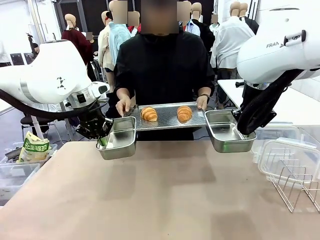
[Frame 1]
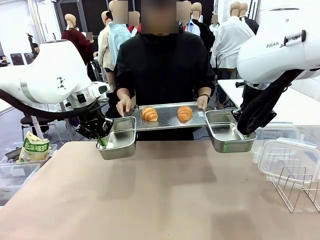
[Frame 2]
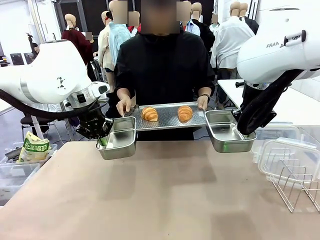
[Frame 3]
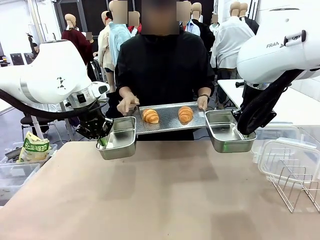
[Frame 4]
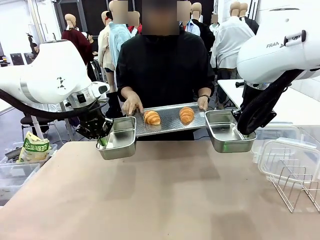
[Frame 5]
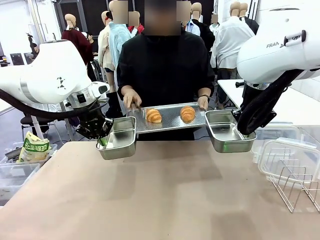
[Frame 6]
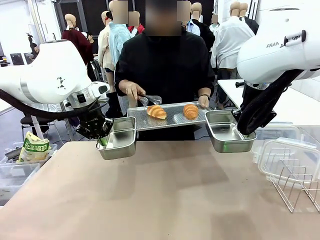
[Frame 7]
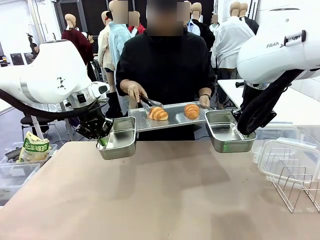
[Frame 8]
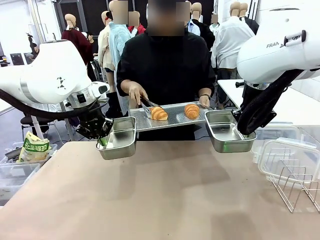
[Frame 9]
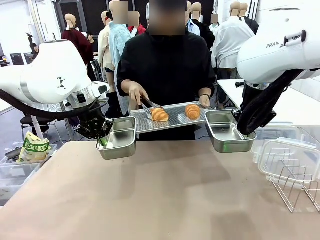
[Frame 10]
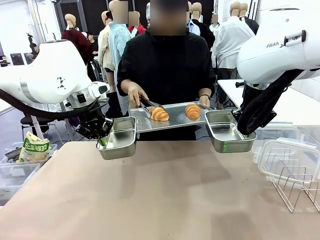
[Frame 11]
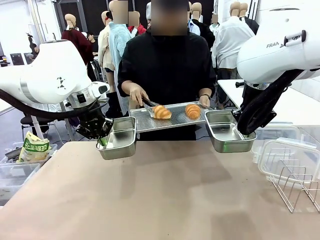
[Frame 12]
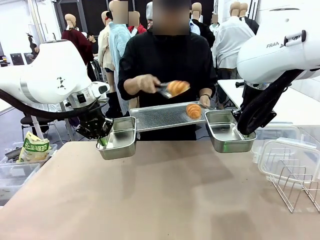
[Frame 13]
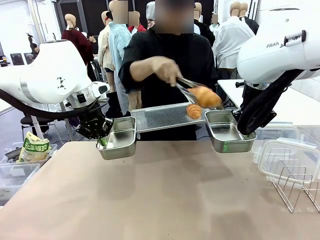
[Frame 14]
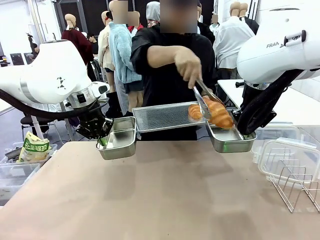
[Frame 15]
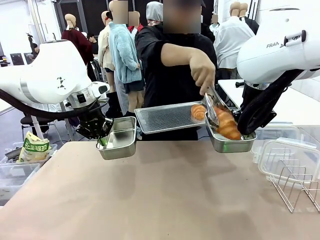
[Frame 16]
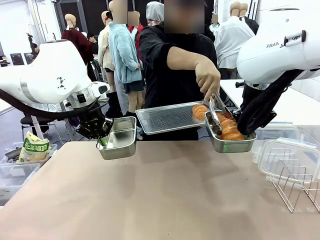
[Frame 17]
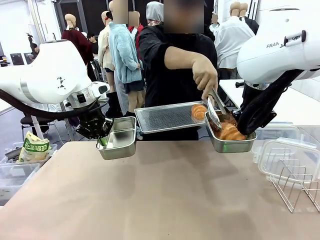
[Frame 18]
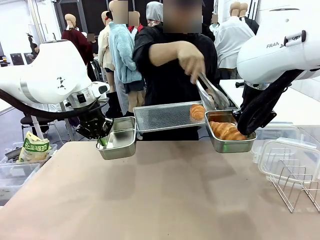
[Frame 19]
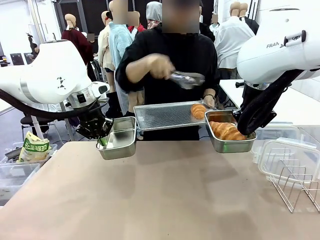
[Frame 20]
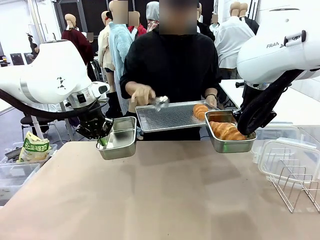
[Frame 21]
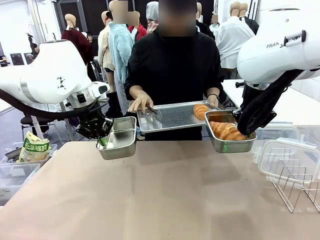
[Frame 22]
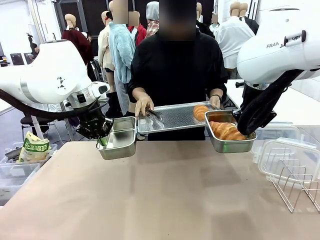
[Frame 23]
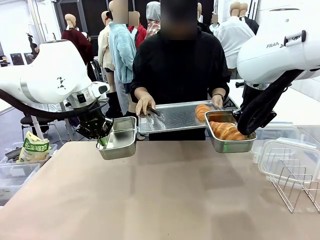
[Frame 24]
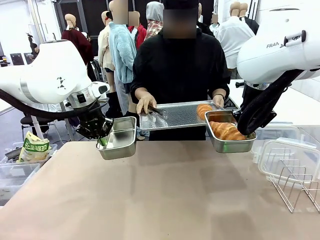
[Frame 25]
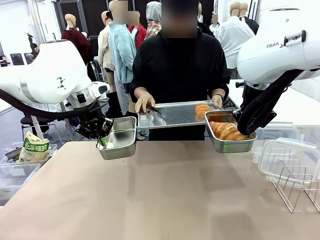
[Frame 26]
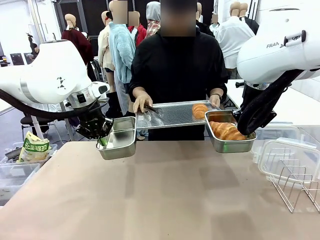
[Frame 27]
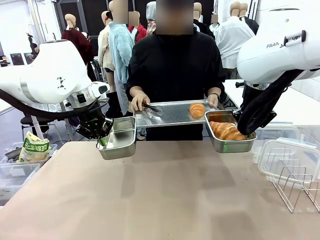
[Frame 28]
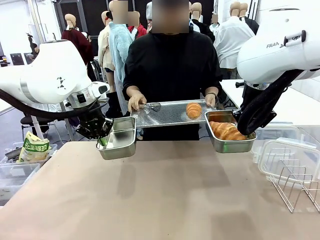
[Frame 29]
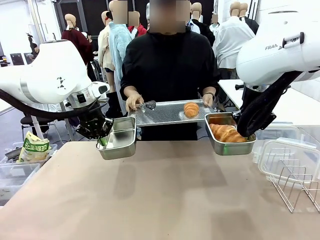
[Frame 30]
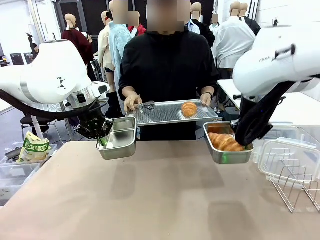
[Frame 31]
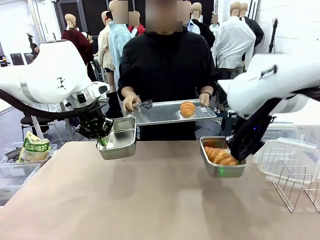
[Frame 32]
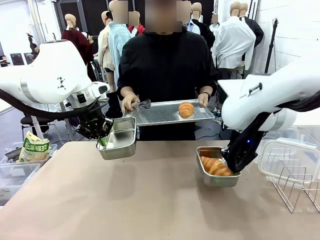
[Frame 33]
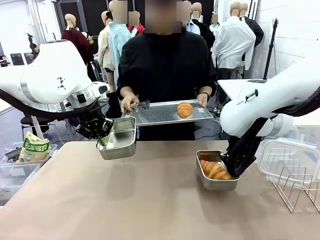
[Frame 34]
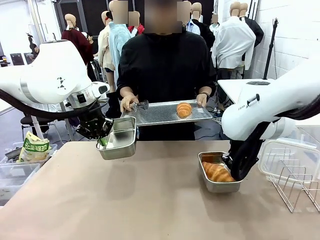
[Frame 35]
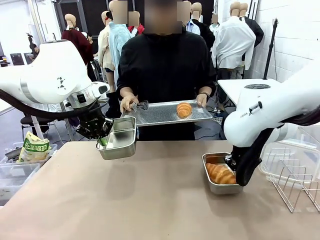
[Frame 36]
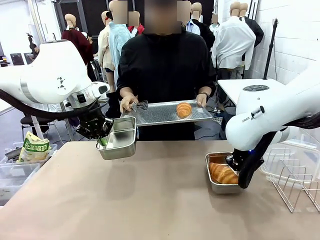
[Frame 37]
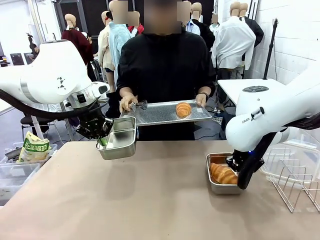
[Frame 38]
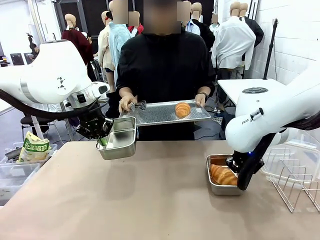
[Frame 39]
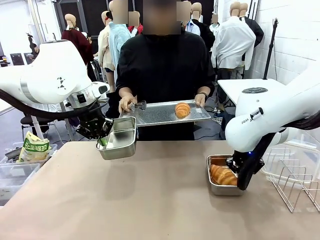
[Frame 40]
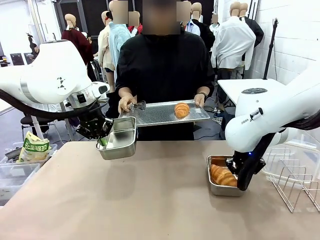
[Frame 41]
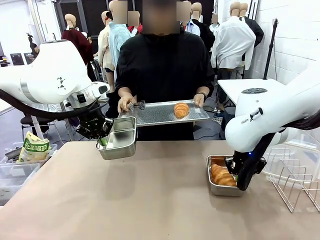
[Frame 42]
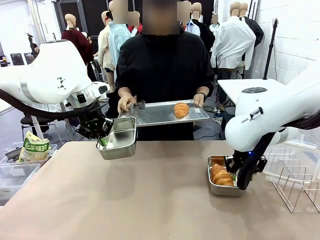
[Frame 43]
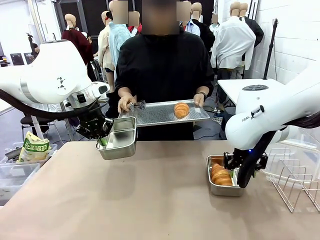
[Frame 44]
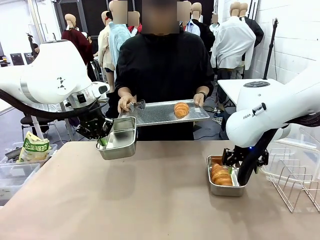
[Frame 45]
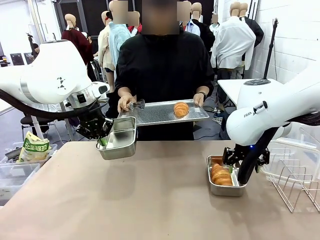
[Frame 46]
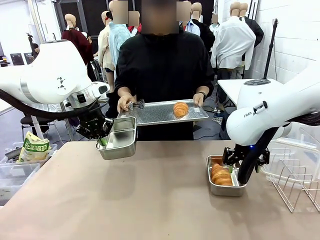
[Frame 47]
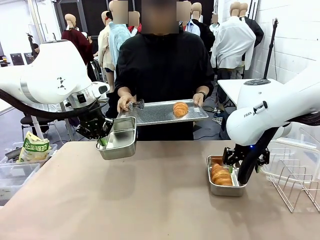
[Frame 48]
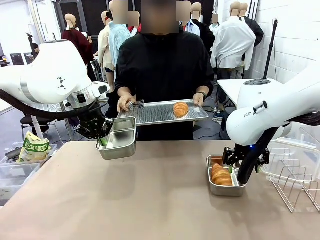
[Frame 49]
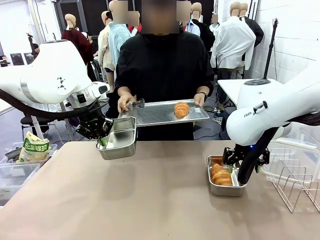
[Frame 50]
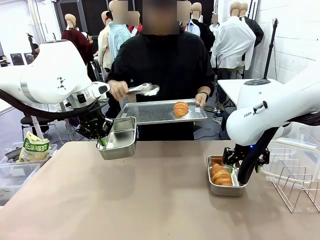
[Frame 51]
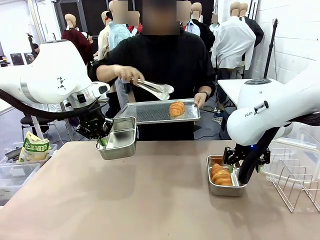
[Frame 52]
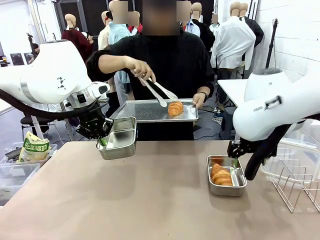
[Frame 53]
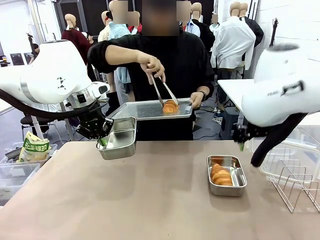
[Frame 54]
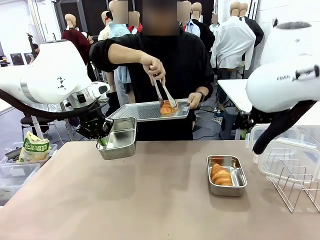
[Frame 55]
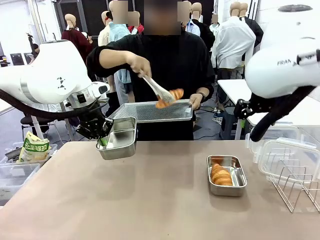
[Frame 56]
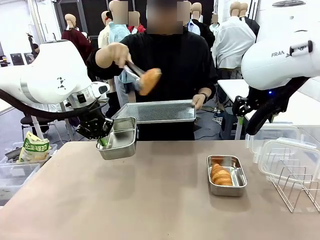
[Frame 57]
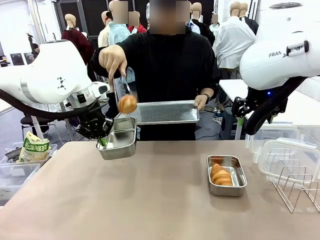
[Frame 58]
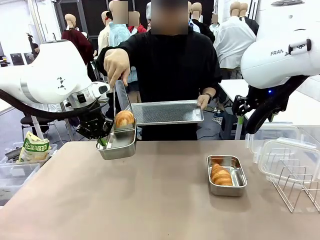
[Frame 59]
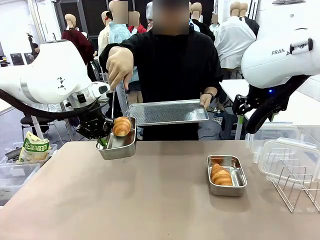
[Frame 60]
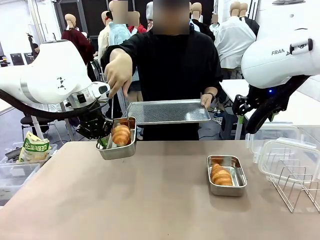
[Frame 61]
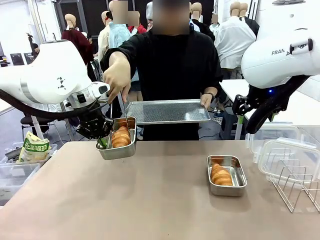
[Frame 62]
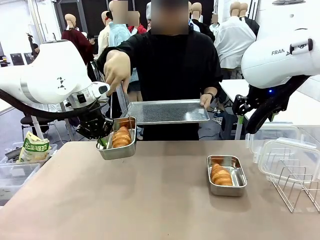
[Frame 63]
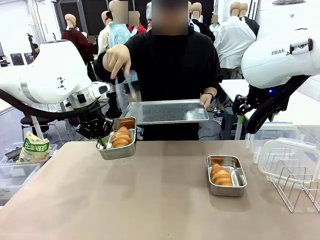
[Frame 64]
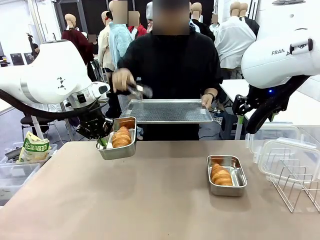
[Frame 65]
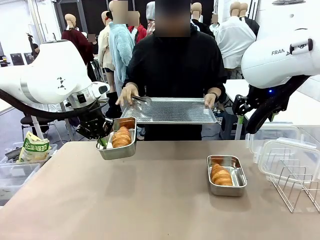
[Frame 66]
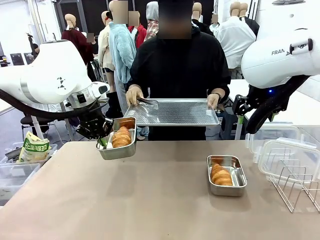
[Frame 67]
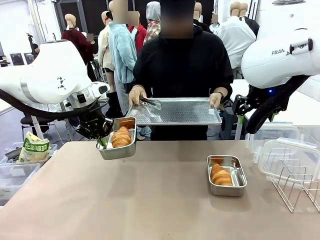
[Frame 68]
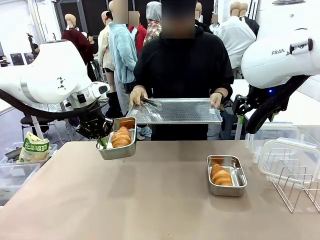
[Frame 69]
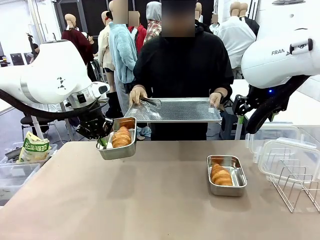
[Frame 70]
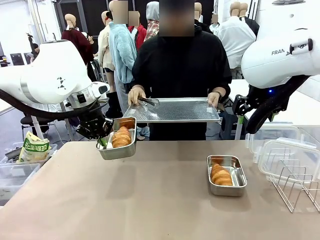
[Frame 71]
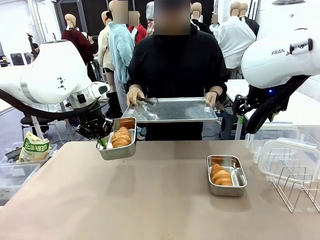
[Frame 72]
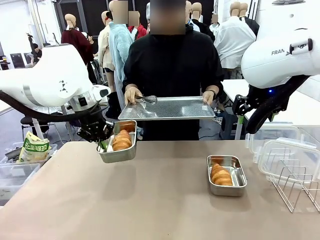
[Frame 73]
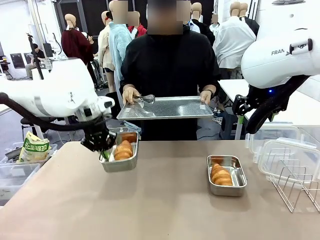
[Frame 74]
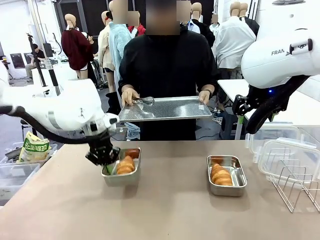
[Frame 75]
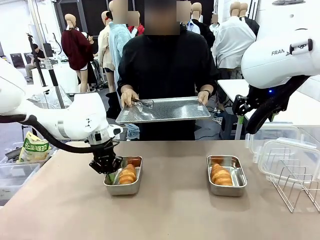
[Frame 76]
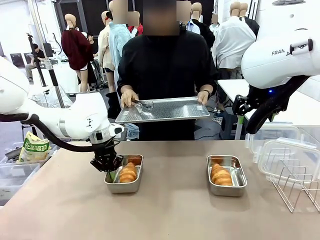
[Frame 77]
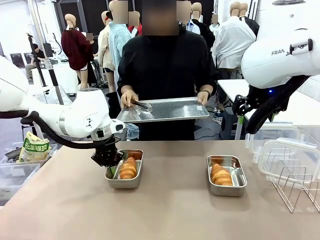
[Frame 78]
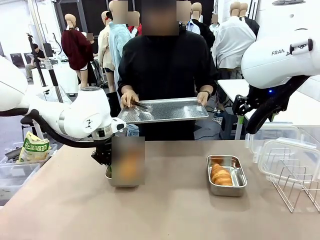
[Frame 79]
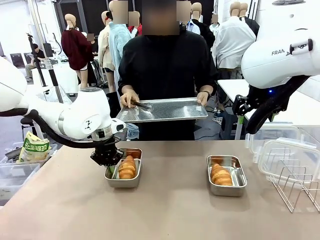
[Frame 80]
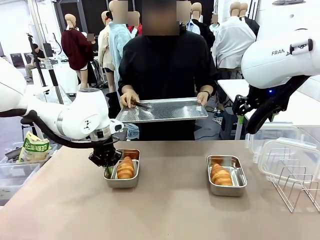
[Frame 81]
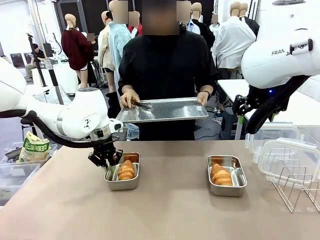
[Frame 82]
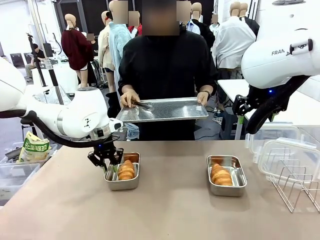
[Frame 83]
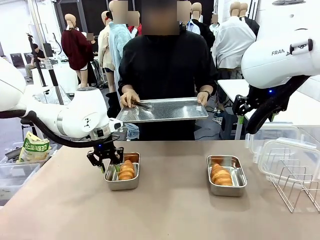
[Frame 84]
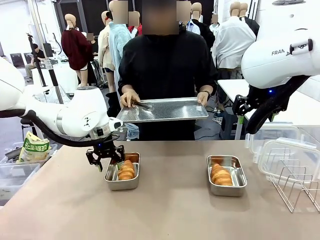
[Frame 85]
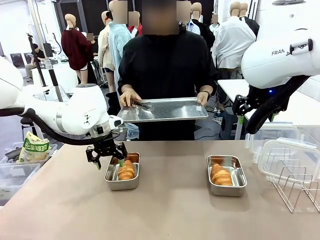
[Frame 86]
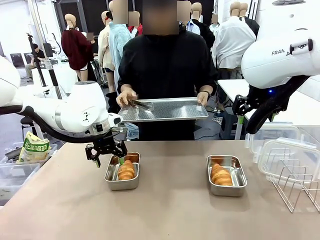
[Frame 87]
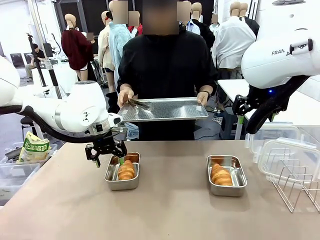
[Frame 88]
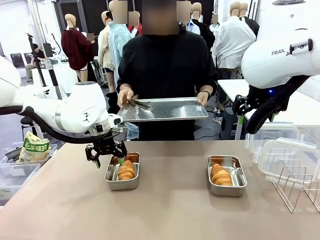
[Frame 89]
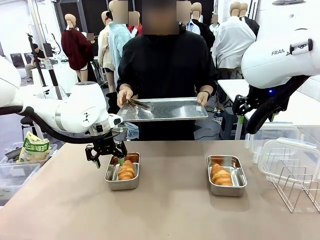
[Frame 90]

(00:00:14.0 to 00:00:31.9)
Task: Place the bread in airtight containers.
Robot: Once an object is inside an Airtight Container , place the container in the center of the table.
Person: Use the Stainless steel tongs to place one object from Baking Sheet into one Airtight Container. Place Baking Sheet on the Human's Table.
